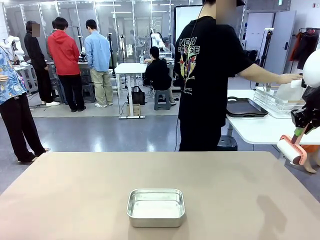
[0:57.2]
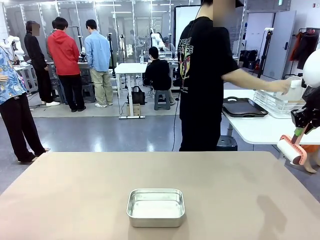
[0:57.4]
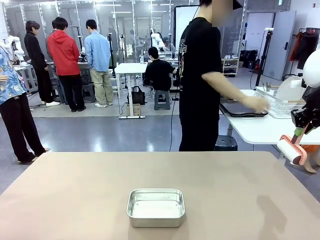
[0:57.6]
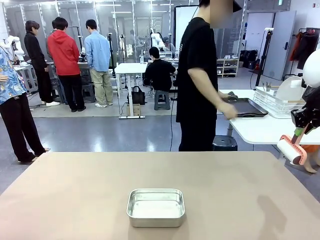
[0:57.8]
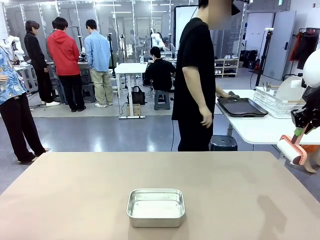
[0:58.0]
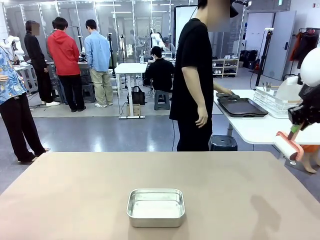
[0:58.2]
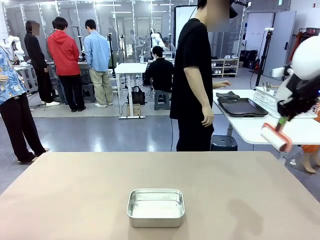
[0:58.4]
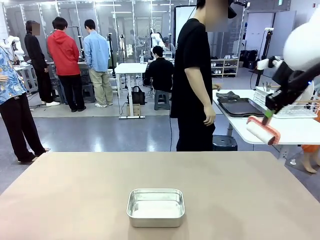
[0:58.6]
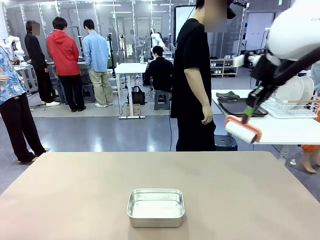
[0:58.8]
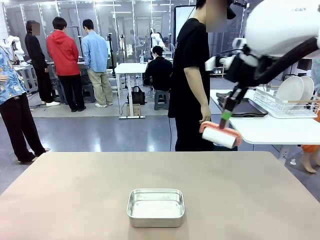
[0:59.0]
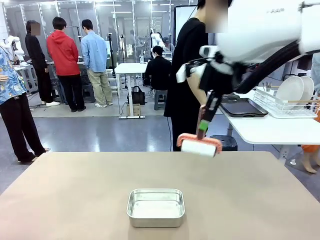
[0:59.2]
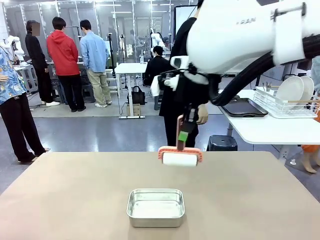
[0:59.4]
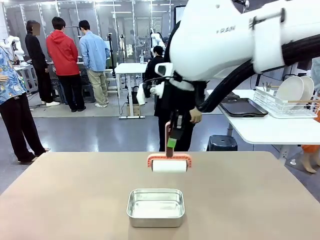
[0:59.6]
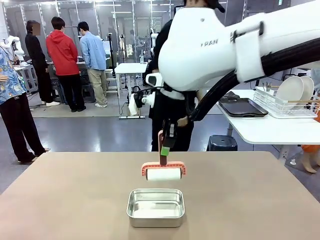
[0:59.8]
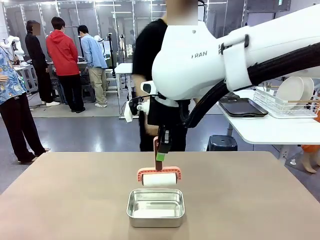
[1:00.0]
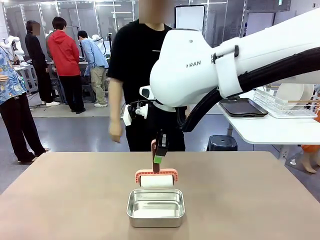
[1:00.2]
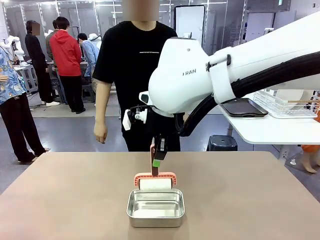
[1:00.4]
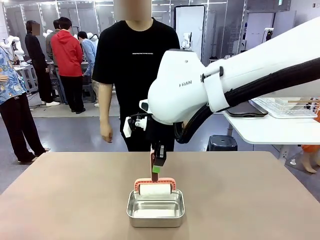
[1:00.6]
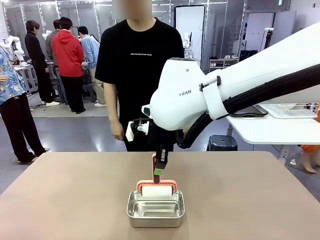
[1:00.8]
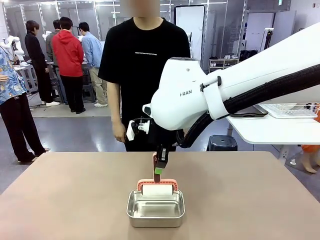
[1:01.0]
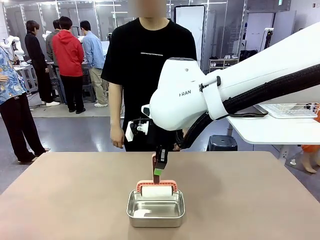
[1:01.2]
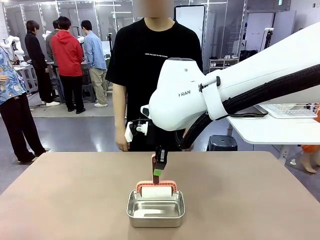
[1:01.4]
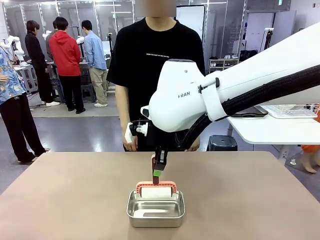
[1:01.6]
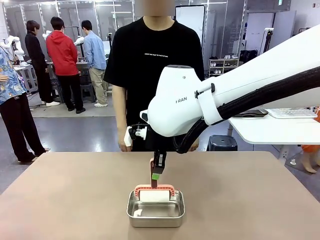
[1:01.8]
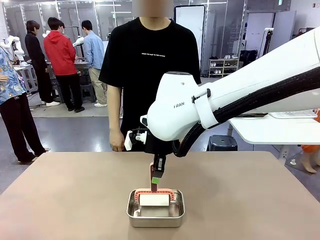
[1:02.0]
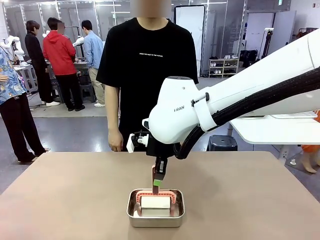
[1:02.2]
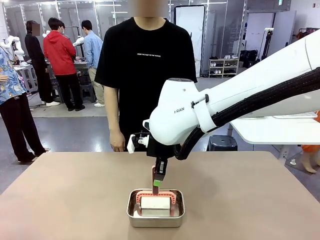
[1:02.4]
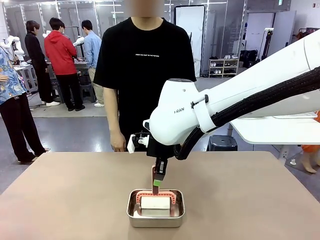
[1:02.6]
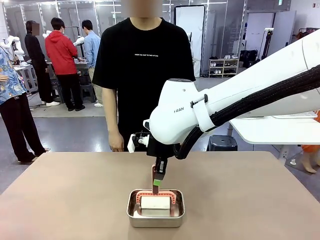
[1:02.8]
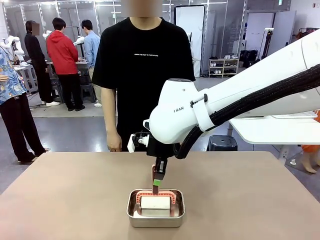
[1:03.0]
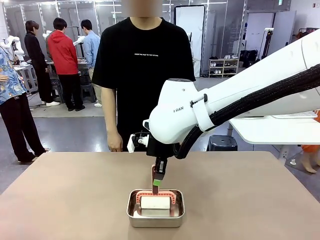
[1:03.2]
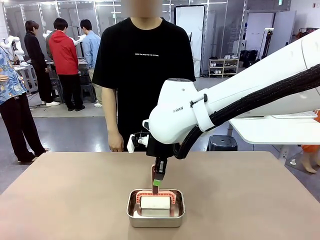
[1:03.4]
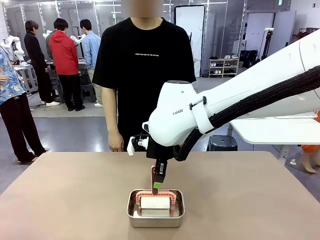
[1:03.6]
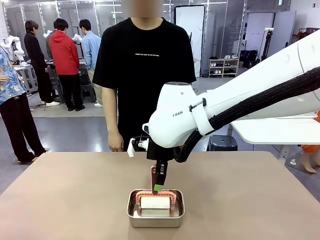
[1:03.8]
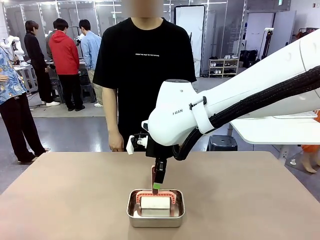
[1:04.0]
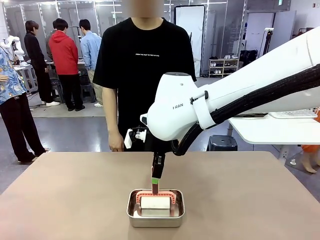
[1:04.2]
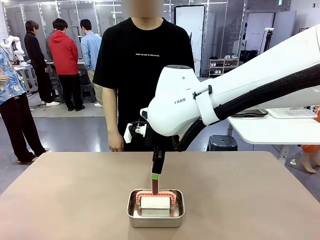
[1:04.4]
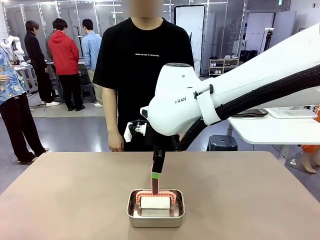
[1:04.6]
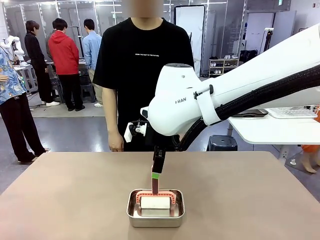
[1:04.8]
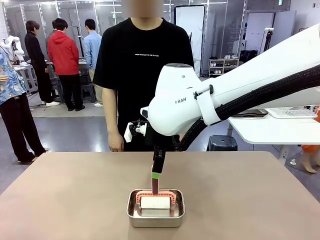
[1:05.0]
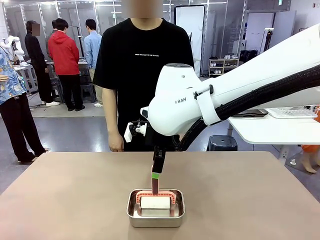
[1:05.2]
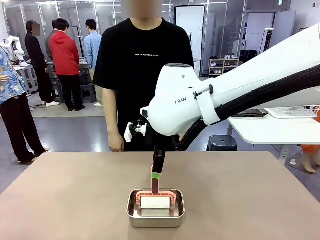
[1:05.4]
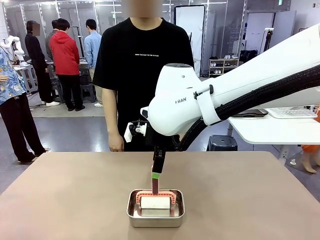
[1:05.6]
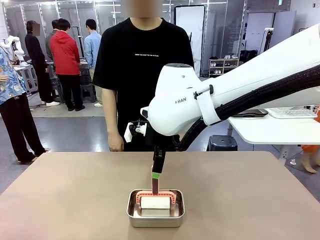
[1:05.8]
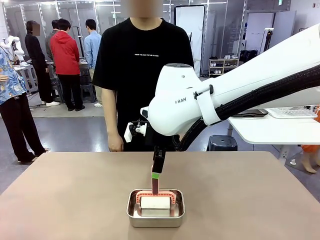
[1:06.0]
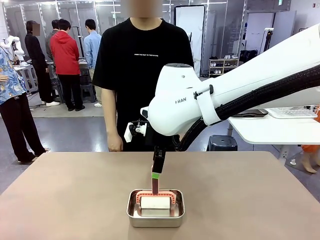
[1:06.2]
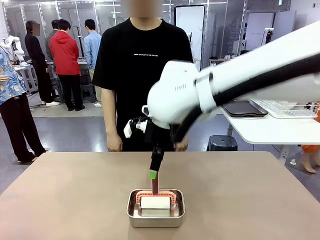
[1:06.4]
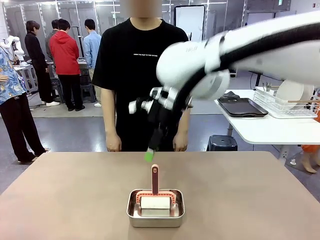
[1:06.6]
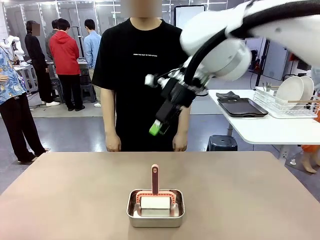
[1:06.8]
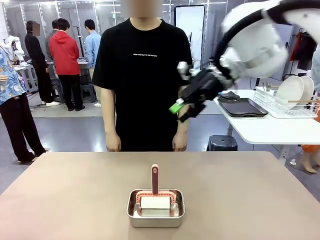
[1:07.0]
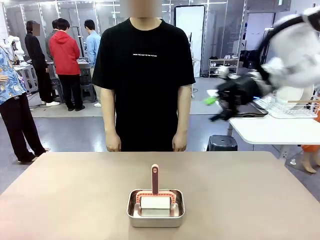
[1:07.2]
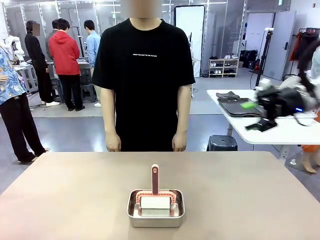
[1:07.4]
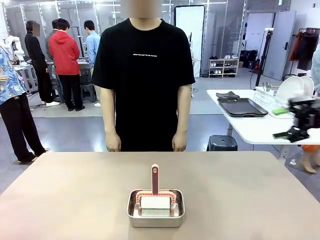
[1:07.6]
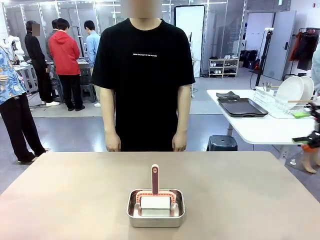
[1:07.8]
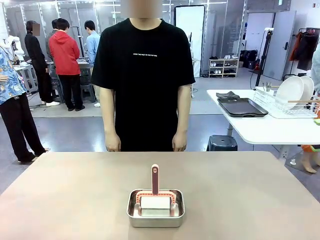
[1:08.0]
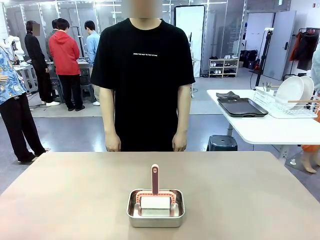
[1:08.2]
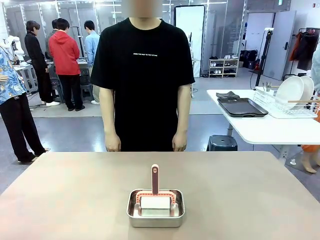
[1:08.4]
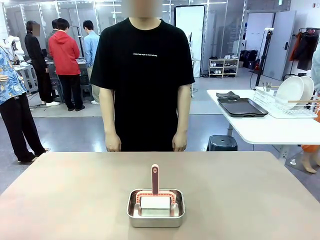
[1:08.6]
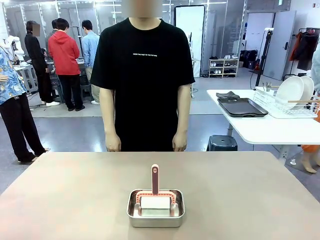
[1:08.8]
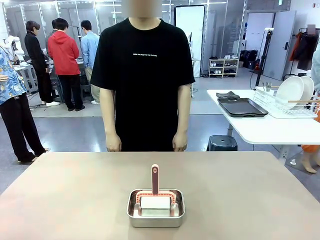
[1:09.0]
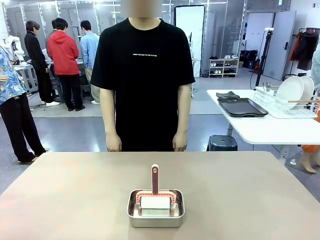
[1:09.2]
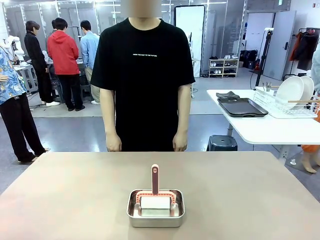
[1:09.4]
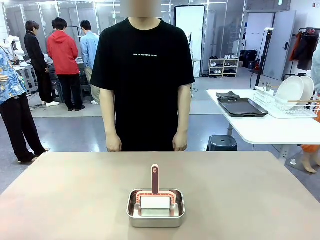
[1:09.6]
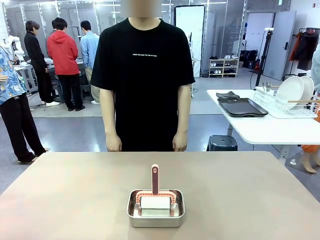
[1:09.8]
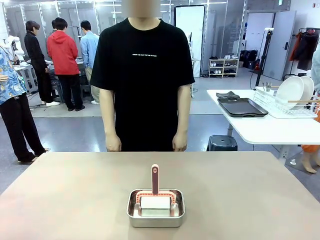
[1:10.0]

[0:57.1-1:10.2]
Robot: Place the Lint Roller back on top of the Airtight Container.

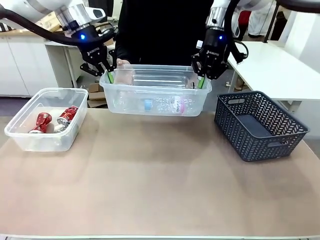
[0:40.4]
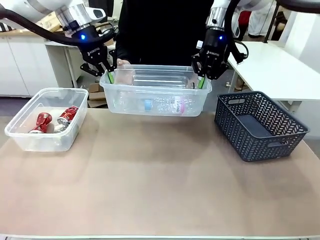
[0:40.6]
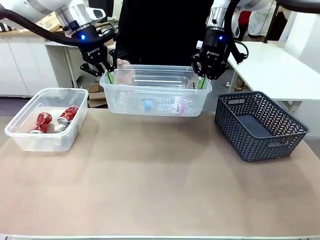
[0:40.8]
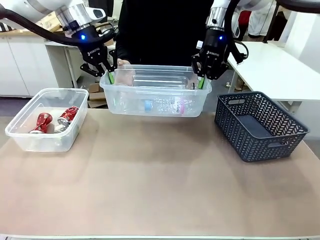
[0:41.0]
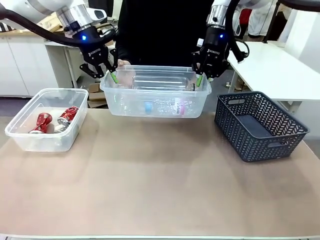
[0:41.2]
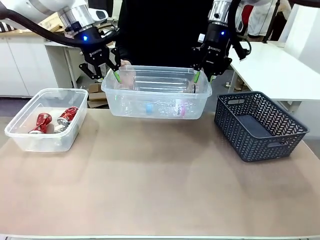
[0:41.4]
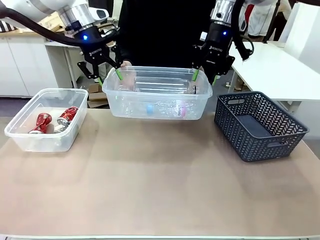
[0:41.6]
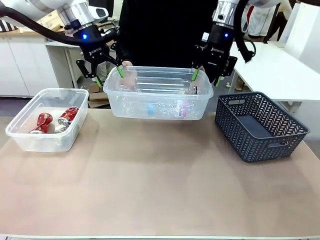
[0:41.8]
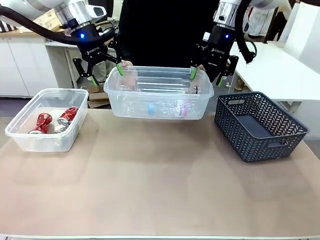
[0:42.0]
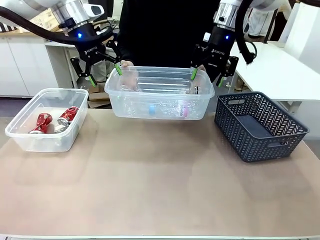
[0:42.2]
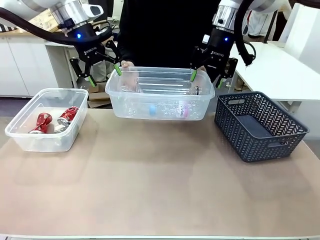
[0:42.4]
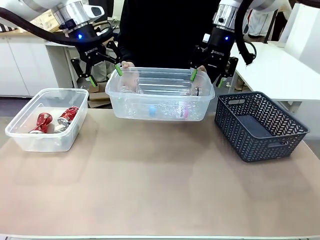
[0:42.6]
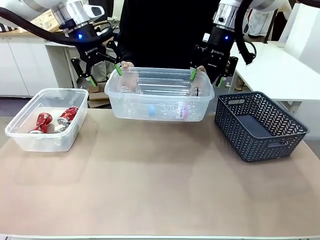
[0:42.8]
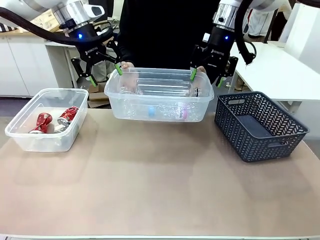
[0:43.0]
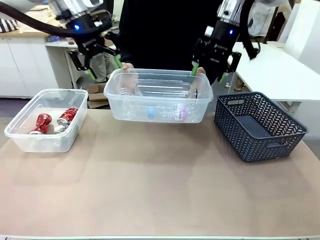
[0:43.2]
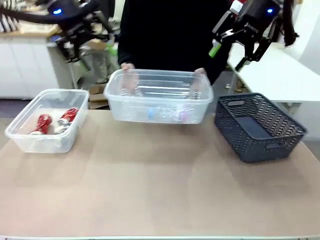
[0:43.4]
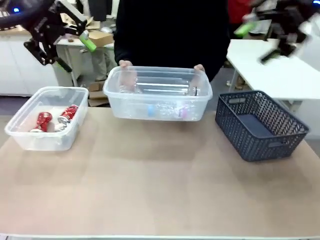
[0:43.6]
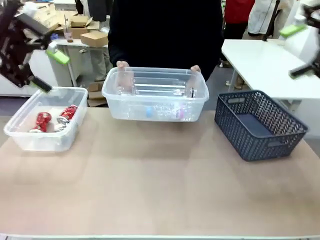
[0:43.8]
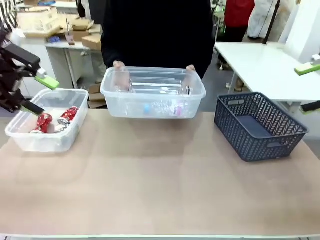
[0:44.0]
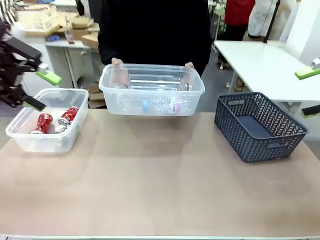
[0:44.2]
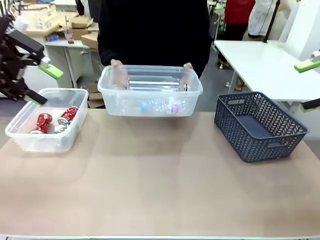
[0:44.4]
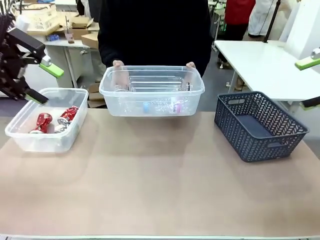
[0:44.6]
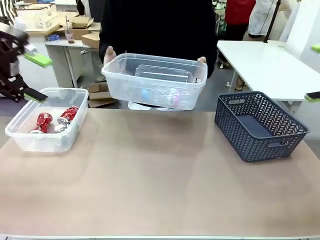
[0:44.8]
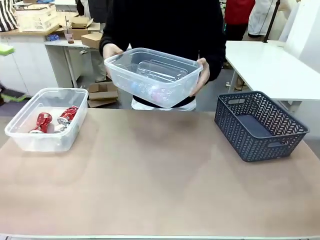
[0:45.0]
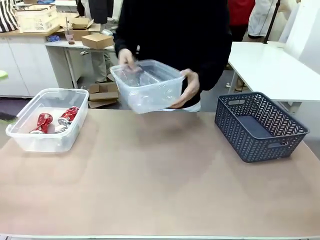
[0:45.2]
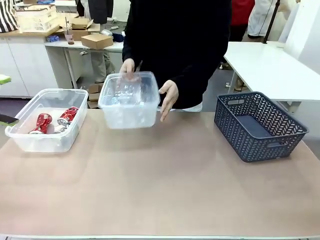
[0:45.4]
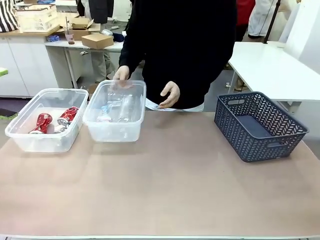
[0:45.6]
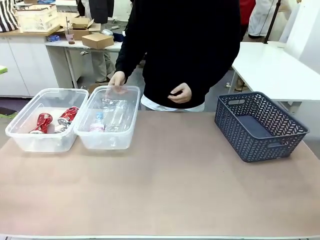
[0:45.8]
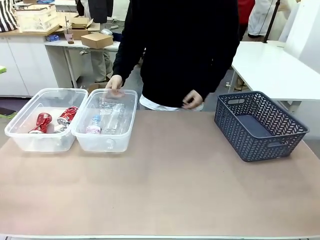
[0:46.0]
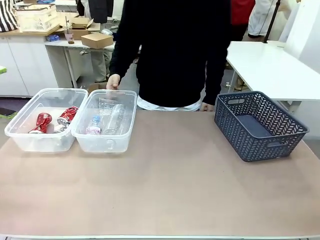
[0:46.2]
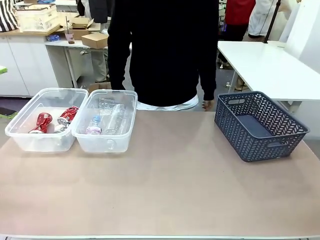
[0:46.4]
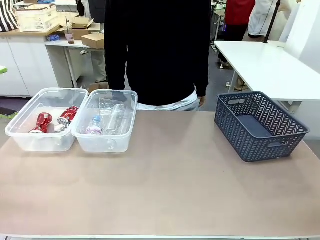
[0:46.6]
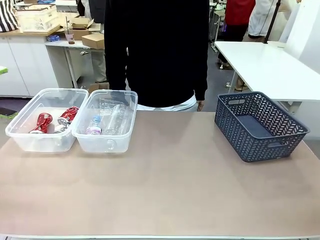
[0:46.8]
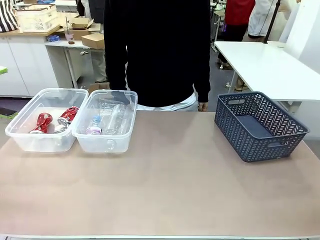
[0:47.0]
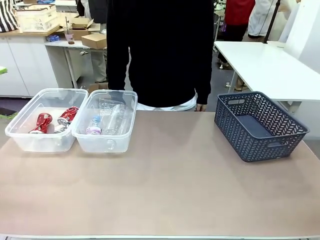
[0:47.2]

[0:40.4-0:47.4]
Robot: Release the Organizing box you were holding.
Person: Pick up the organizing box extended by the robot. Place the organizing box to the left of the sorting box containing the can waste.
